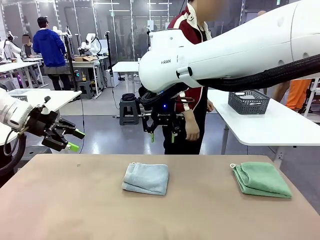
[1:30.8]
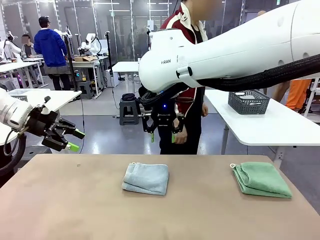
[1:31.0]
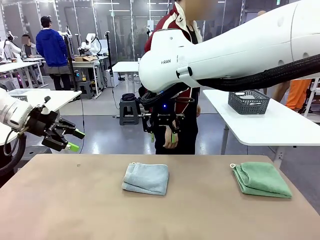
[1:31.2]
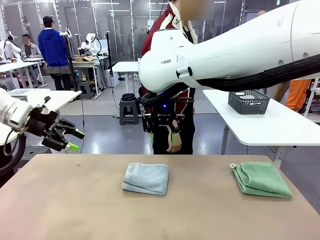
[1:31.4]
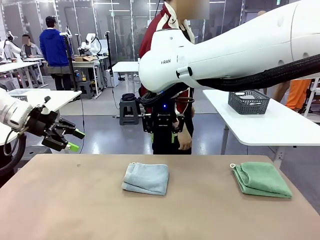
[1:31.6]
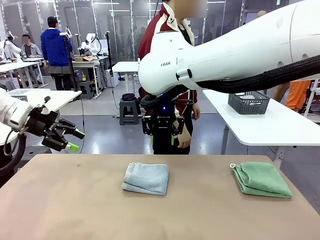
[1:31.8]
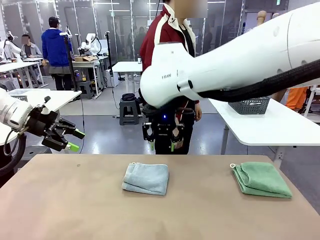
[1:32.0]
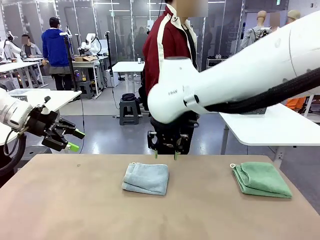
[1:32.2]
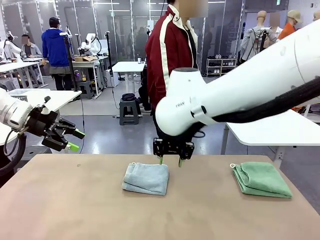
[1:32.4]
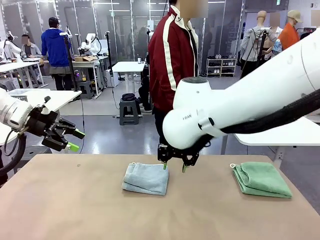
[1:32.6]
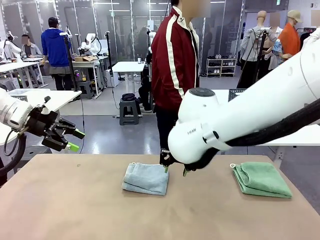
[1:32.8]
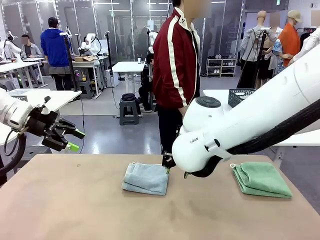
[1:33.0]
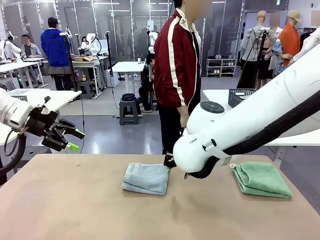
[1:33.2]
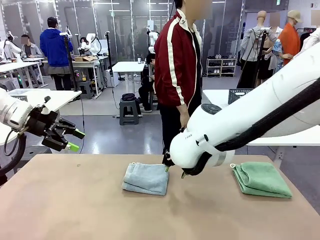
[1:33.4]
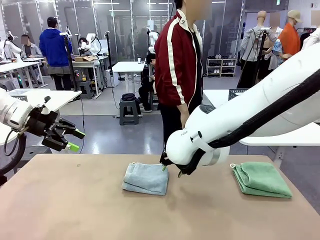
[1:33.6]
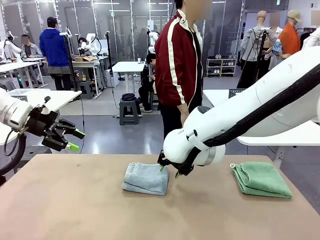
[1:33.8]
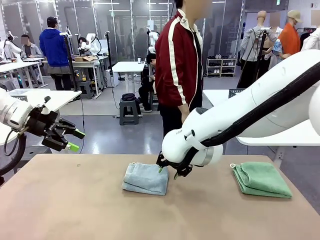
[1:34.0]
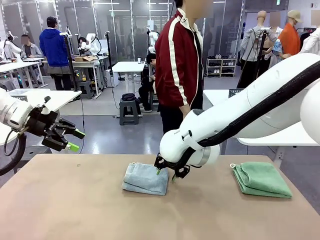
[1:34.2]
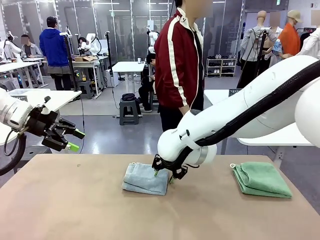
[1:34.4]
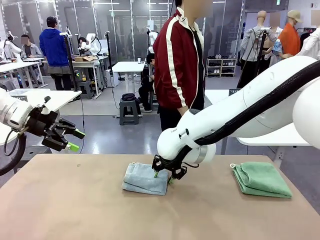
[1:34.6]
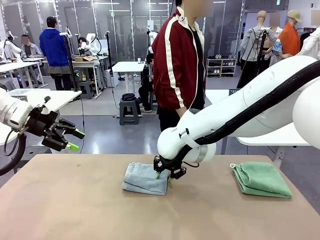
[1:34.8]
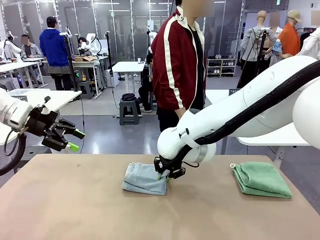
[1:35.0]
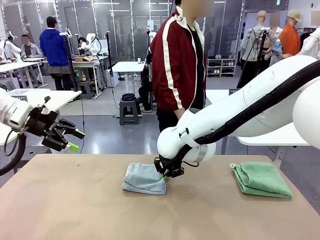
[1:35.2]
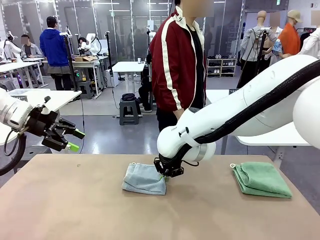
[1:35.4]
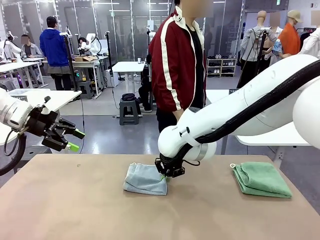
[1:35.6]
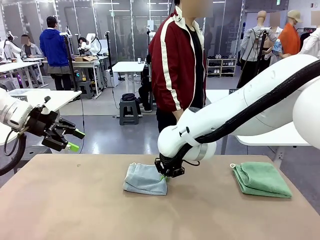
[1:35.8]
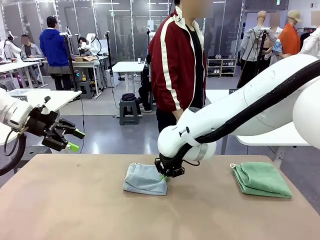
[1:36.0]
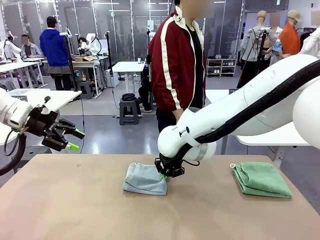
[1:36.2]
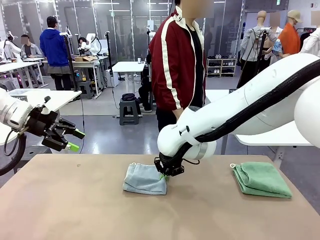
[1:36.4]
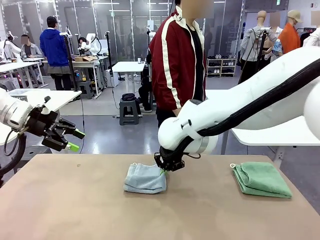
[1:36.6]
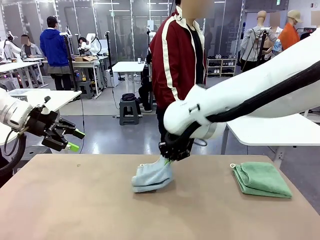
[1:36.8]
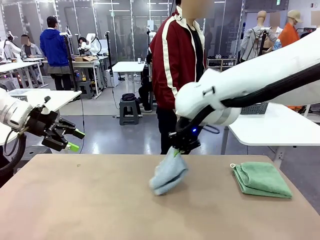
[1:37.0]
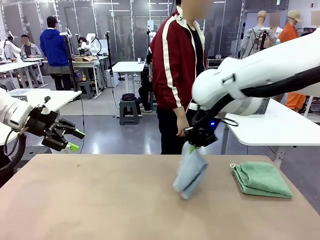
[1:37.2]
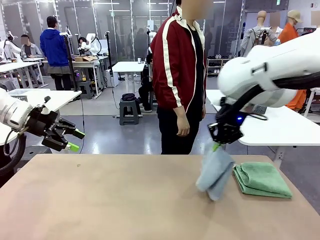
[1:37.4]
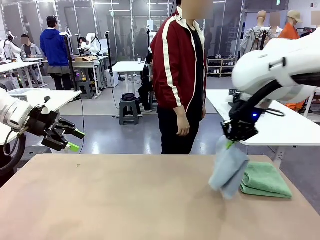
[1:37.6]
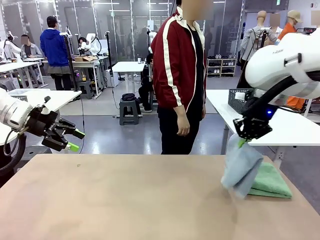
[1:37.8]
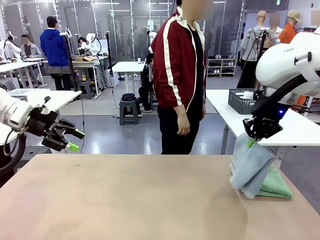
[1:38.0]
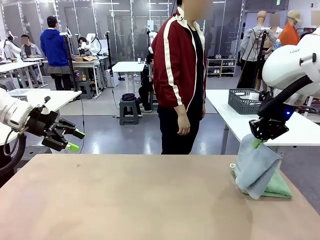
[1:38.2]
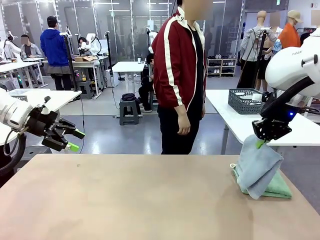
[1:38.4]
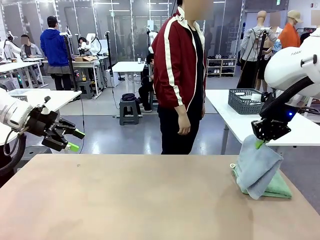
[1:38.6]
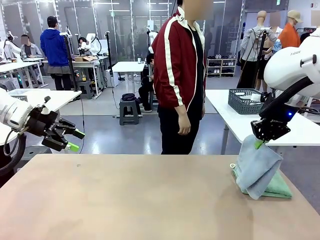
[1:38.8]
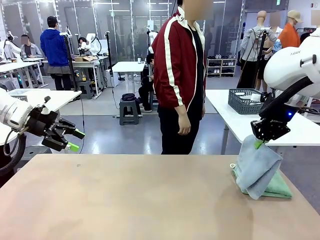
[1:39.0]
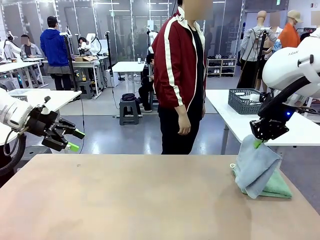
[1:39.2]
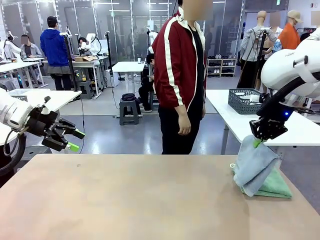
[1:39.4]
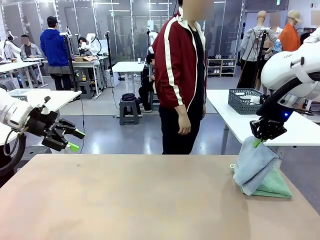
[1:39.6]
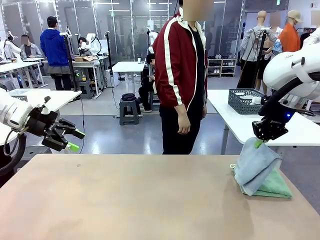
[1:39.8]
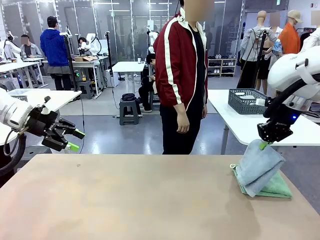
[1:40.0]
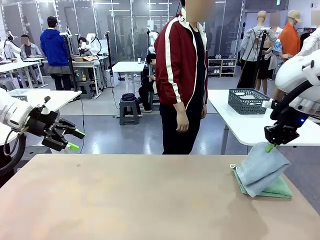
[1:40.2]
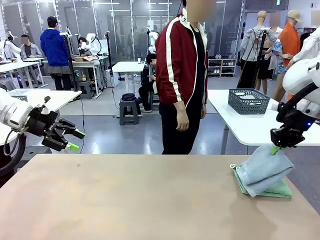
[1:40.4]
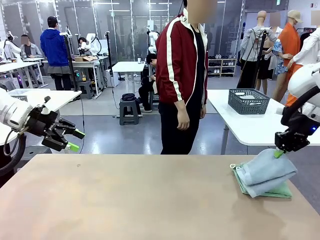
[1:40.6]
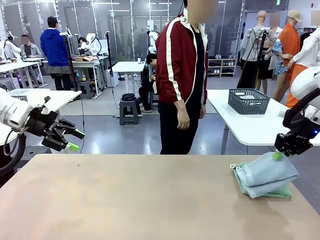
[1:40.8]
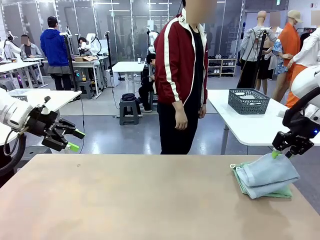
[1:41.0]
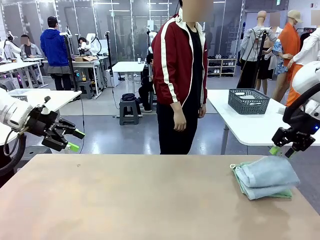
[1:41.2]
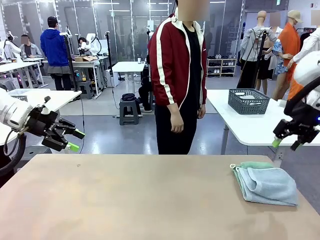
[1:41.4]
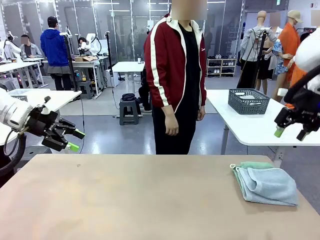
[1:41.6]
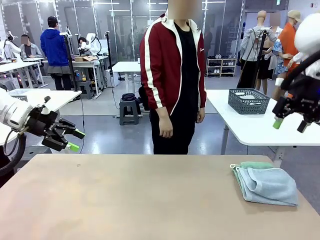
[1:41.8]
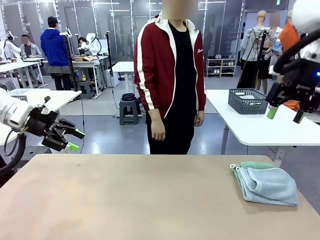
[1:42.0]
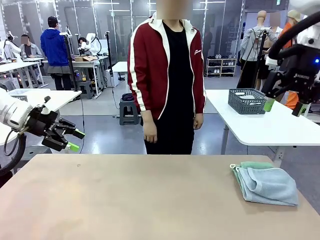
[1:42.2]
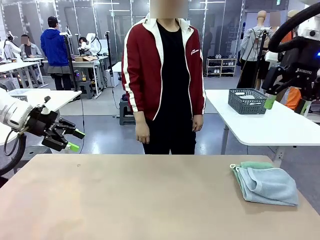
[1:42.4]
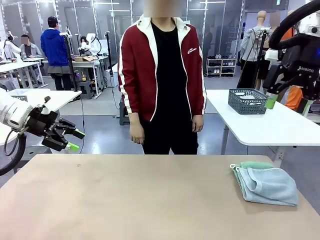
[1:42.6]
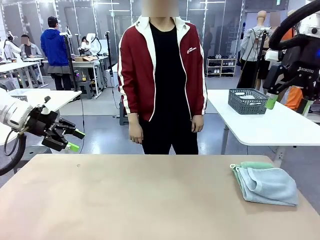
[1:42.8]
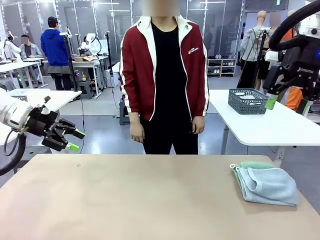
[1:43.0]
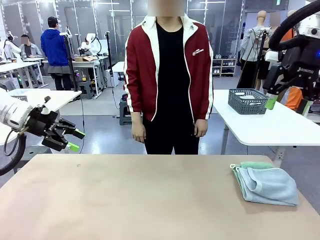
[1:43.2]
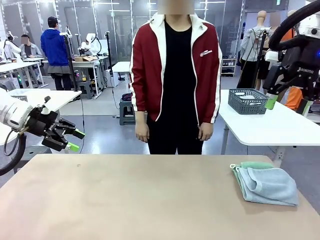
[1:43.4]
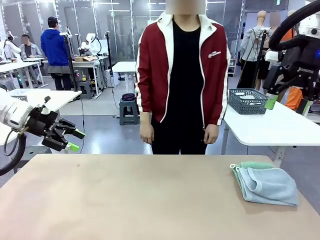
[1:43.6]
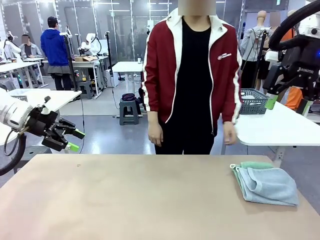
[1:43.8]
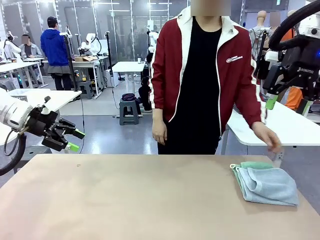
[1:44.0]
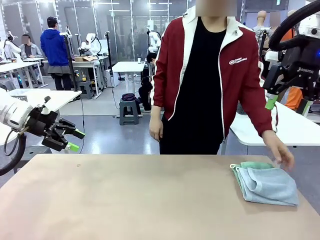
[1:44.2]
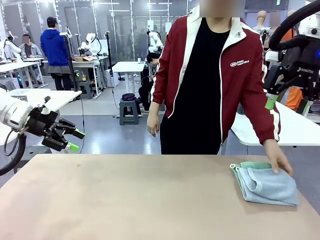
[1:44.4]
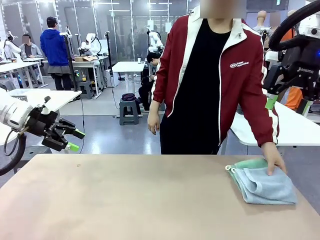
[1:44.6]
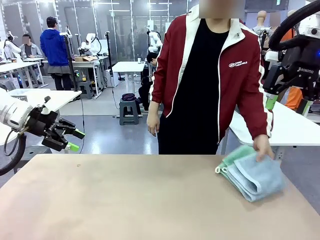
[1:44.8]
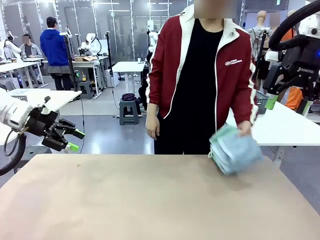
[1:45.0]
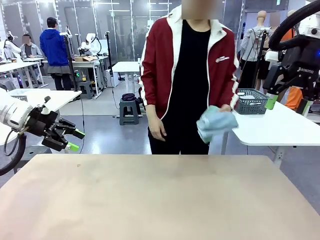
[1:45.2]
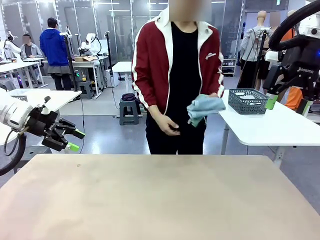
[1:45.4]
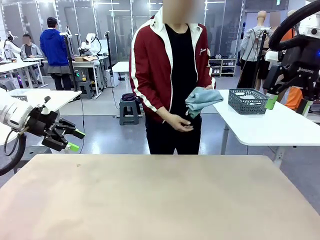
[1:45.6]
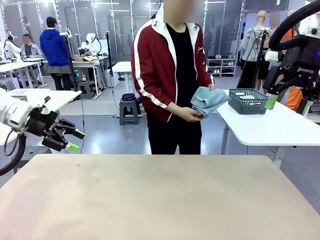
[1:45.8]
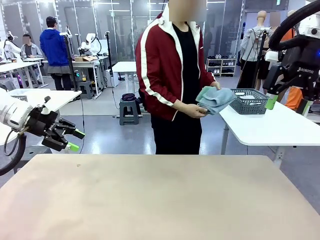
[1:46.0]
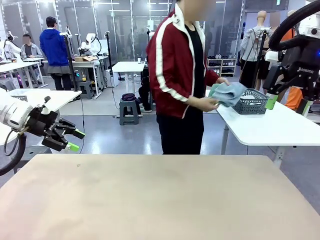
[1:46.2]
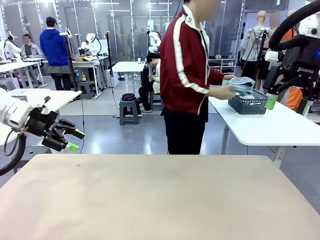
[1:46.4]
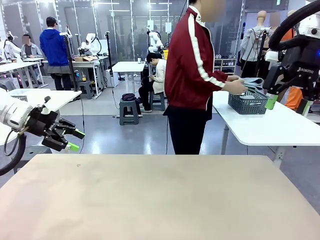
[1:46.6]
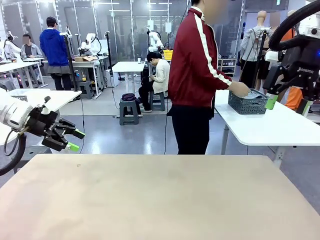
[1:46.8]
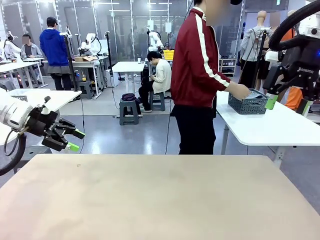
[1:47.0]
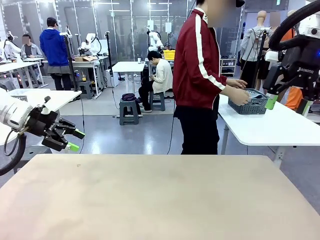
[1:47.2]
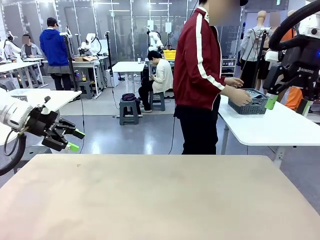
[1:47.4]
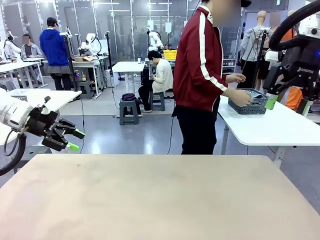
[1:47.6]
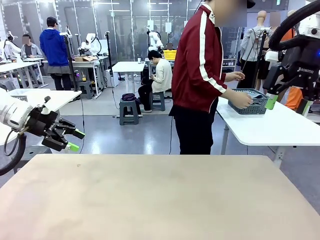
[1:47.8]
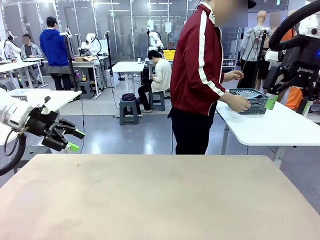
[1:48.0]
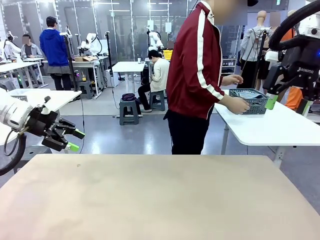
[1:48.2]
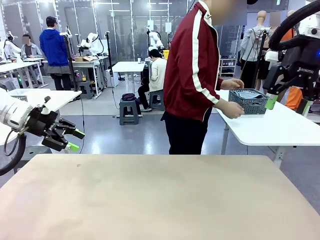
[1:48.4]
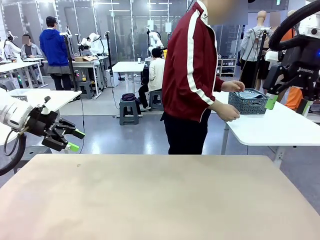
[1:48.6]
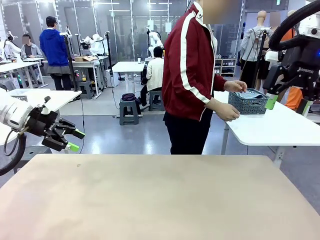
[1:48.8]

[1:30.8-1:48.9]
Task: Fold the towels and place them in the basket.
Robot: Stack the folded Towel with hook on the right side of the table.
Person: Pick up the stack of towels from the robot table and place it into the basket.
